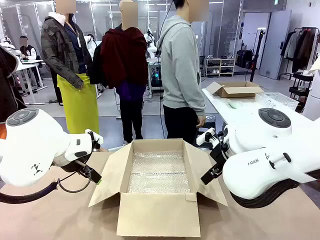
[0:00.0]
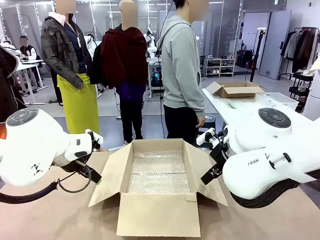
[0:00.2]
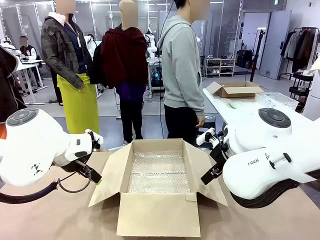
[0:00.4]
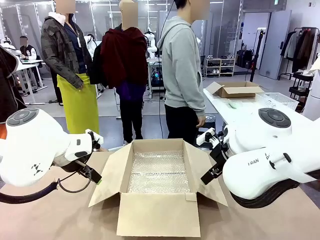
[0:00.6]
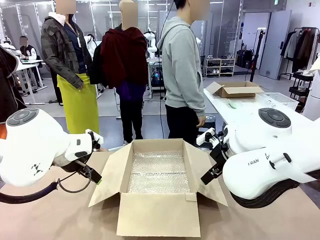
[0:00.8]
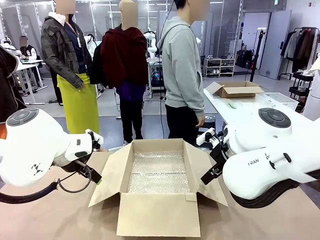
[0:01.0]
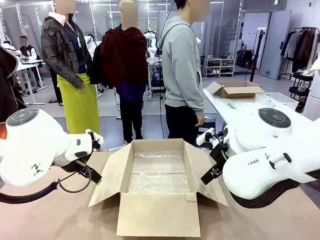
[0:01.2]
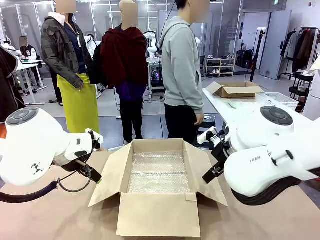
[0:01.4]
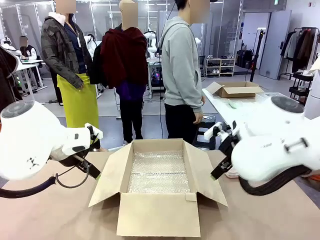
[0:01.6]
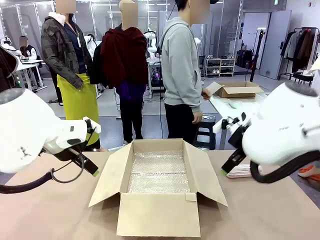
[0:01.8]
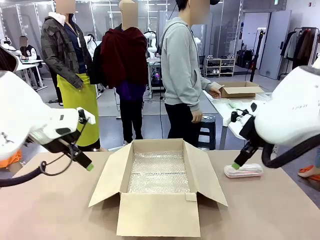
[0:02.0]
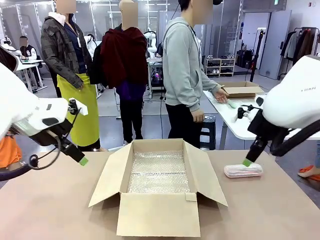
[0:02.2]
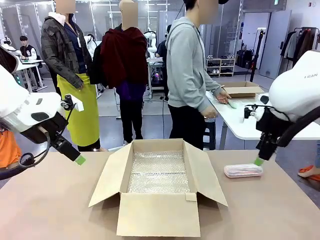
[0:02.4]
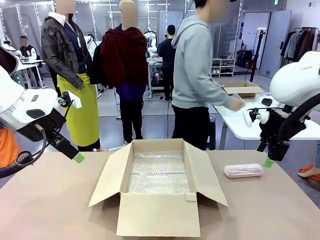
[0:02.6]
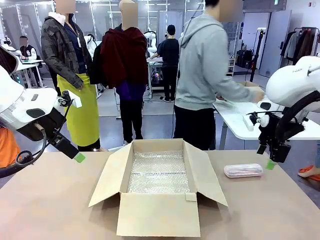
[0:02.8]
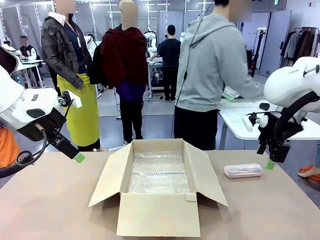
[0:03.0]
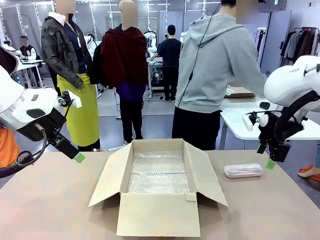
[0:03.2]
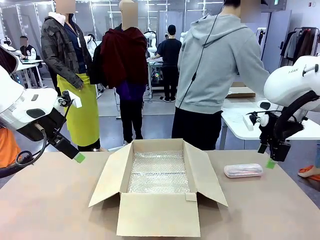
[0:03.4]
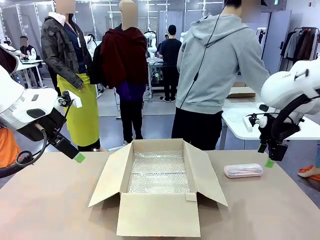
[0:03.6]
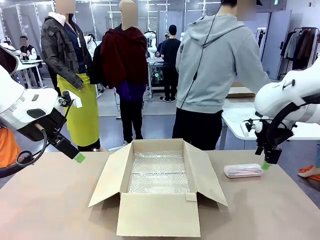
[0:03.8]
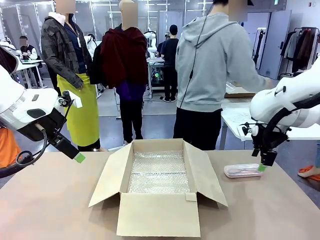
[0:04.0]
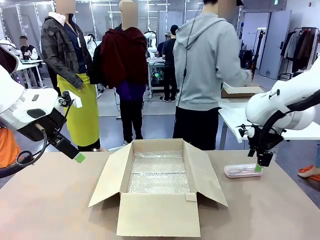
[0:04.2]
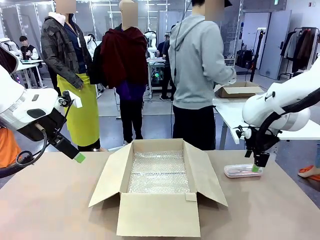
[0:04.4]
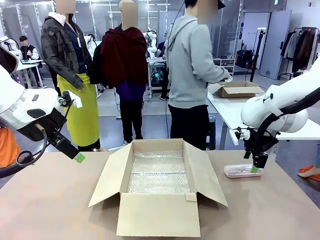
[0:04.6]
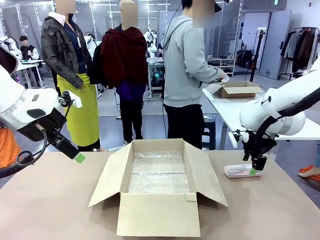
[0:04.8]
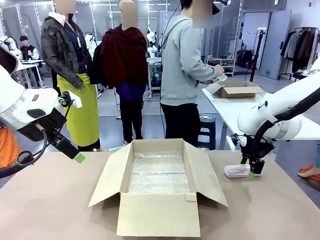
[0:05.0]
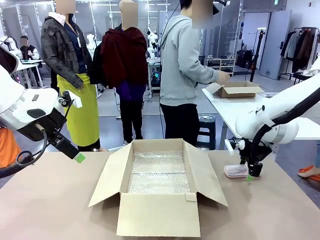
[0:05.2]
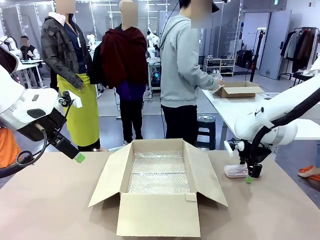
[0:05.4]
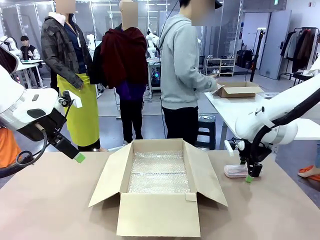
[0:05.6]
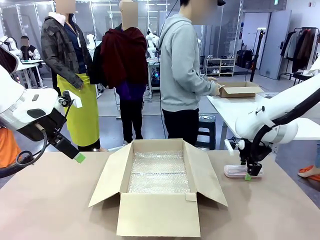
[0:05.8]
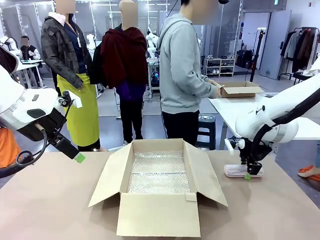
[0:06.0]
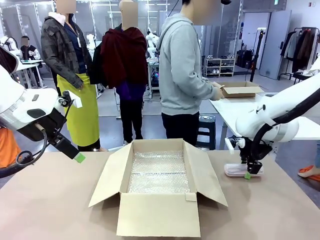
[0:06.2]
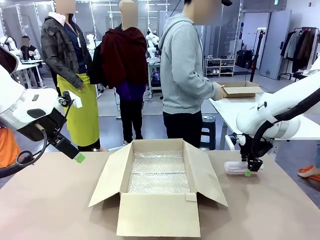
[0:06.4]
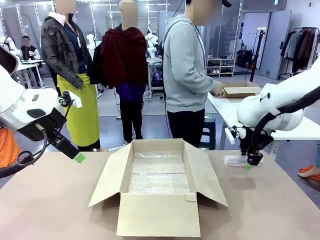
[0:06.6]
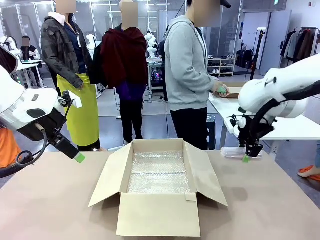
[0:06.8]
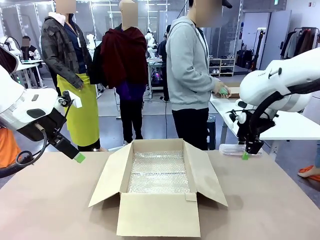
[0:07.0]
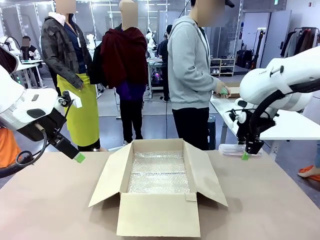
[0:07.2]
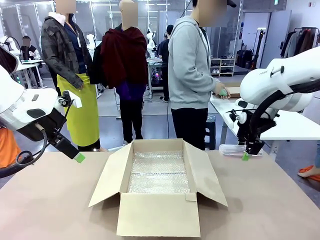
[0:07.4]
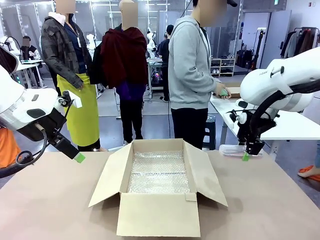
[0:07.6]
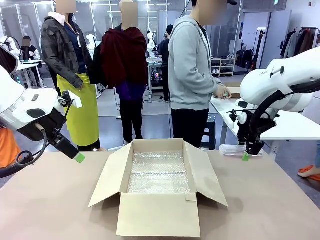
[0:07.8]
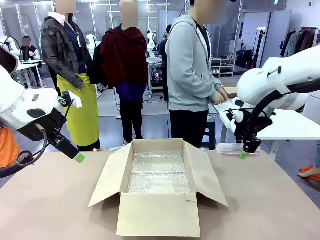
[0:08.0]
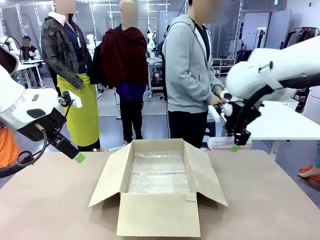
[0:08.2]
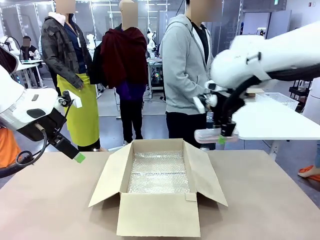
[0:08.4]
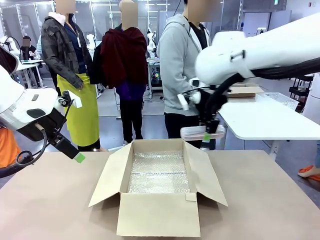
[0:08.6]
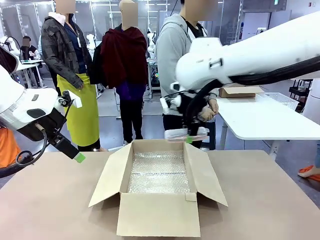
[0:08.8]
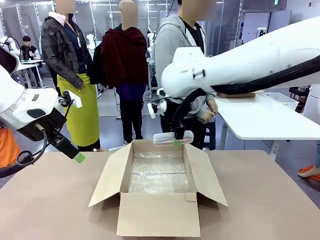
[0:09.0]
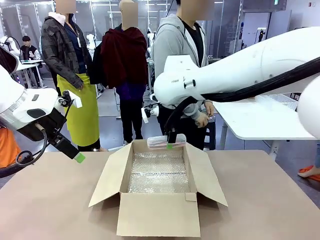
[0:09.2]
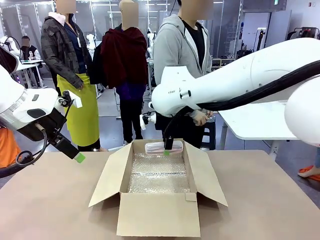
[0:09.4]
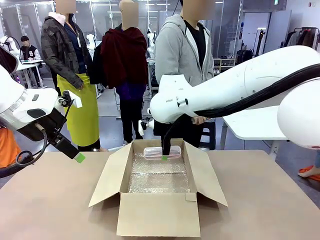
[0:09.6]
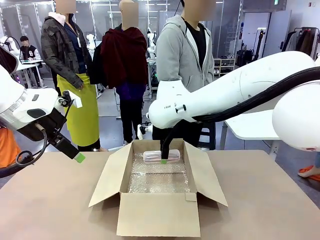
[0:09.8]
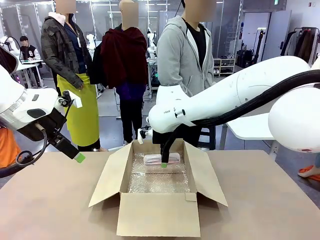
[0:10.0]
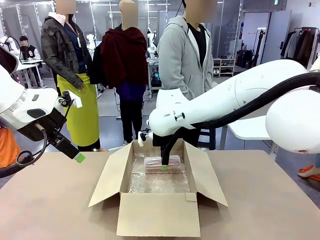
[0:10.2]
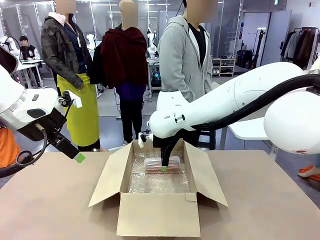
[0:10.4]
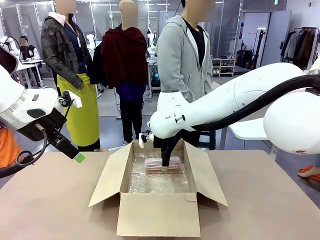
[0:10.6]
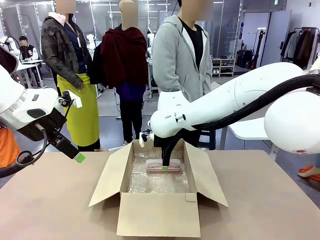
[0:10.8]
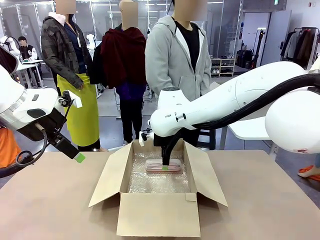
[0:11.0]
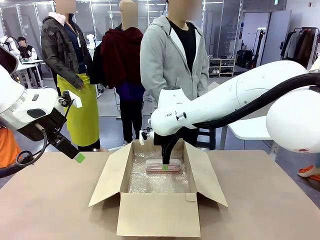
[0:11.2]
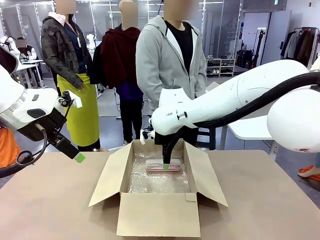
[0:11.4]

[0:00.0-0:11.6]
Task: Pack the glasses set securely to prepare it for shipping.
Robot: Place the Glasses case inside the Package Box.
Person: Place the Glasses inside the Glasses case.

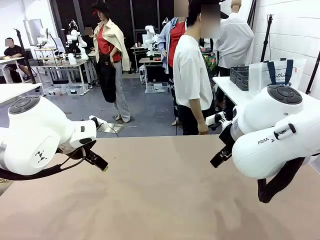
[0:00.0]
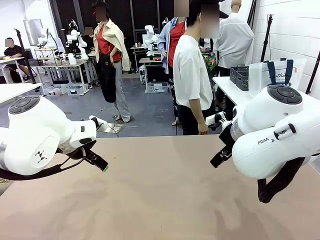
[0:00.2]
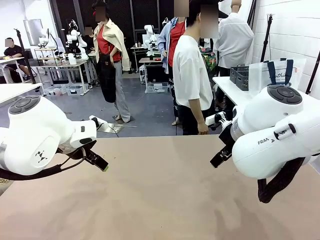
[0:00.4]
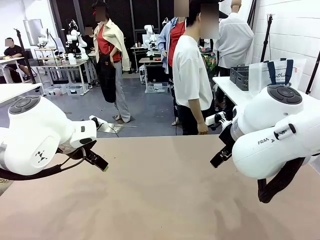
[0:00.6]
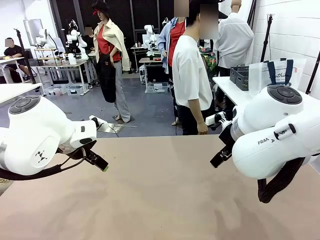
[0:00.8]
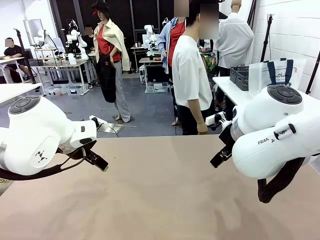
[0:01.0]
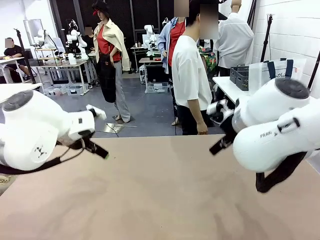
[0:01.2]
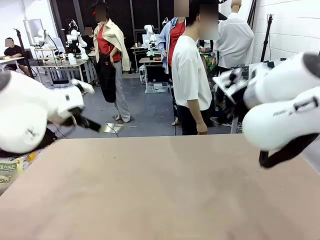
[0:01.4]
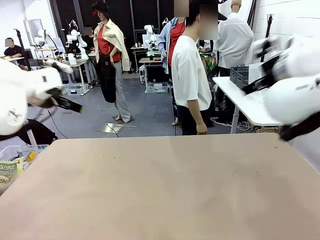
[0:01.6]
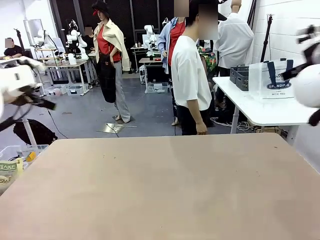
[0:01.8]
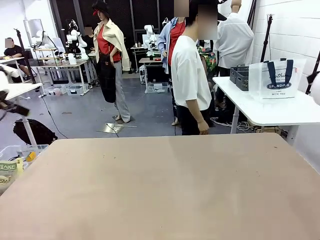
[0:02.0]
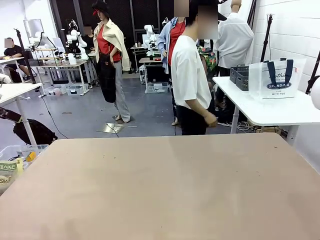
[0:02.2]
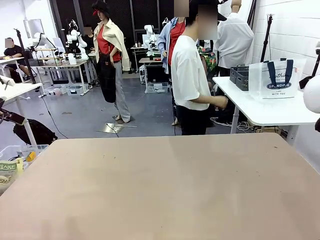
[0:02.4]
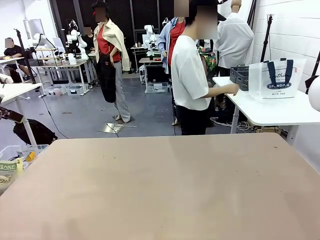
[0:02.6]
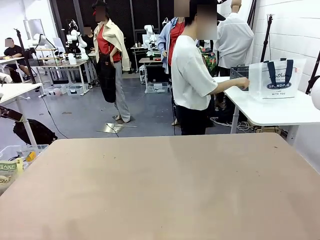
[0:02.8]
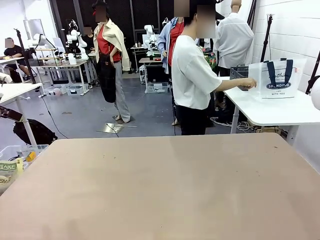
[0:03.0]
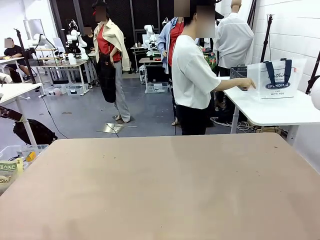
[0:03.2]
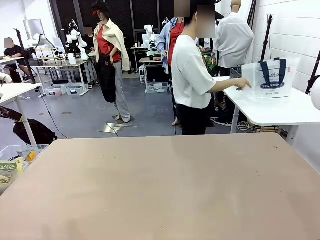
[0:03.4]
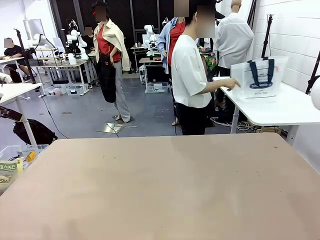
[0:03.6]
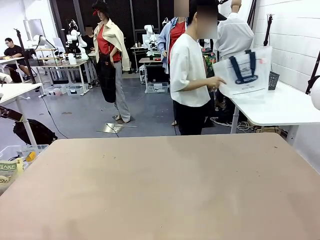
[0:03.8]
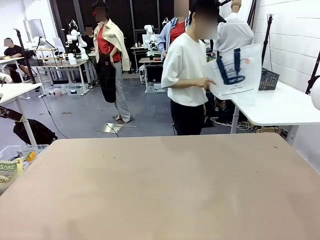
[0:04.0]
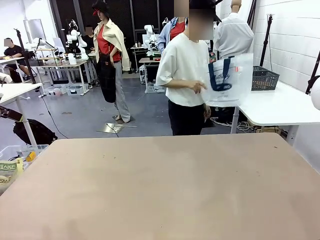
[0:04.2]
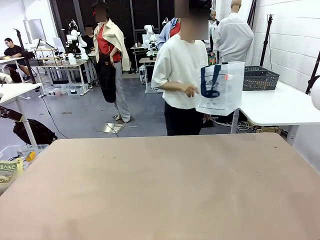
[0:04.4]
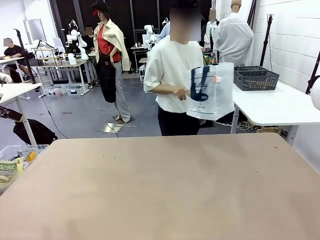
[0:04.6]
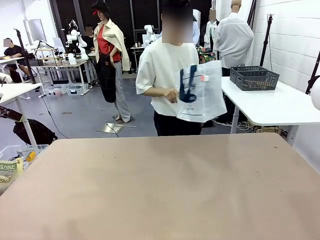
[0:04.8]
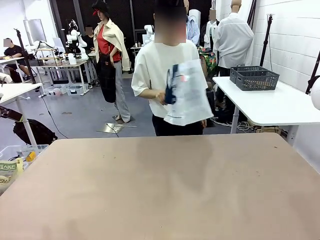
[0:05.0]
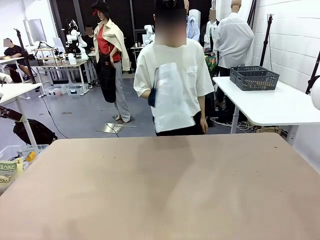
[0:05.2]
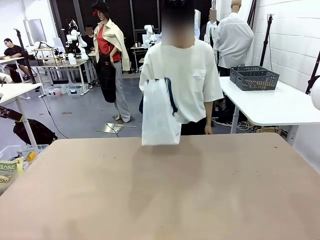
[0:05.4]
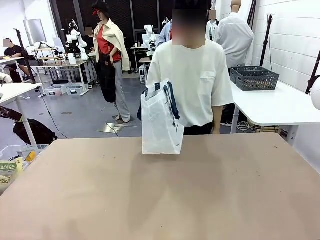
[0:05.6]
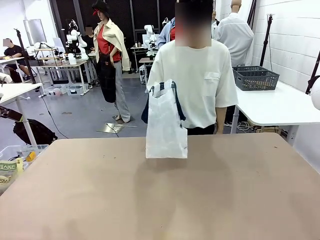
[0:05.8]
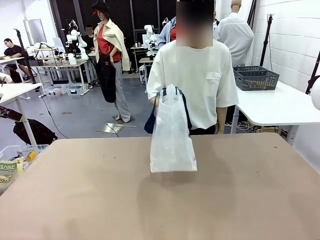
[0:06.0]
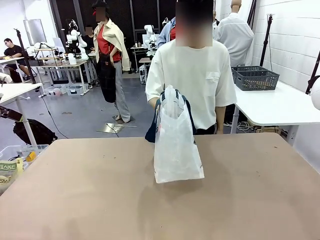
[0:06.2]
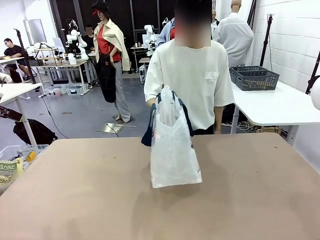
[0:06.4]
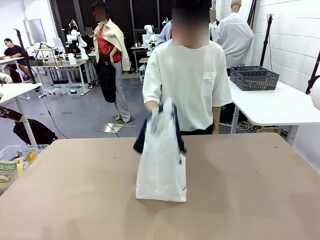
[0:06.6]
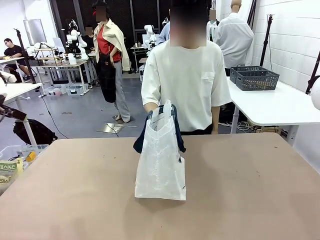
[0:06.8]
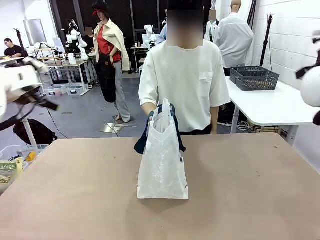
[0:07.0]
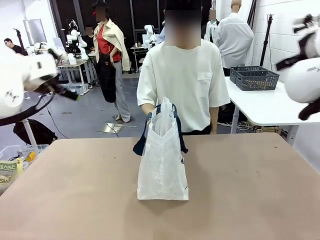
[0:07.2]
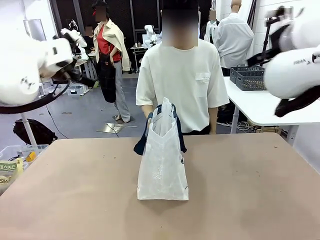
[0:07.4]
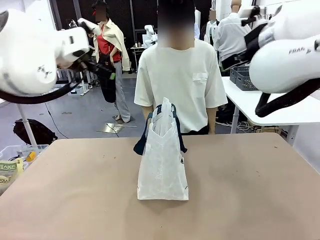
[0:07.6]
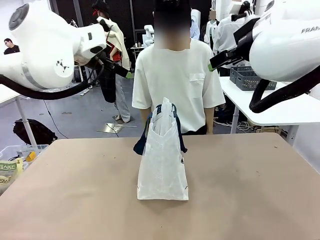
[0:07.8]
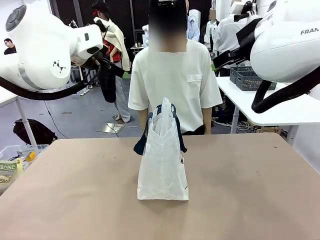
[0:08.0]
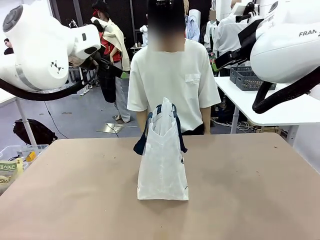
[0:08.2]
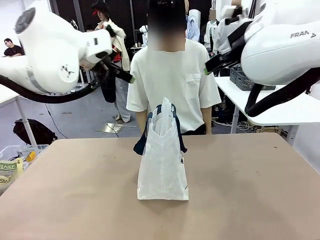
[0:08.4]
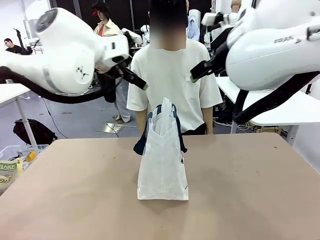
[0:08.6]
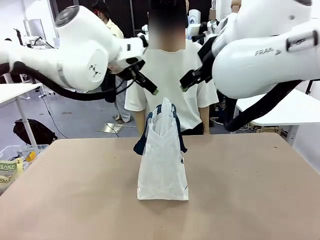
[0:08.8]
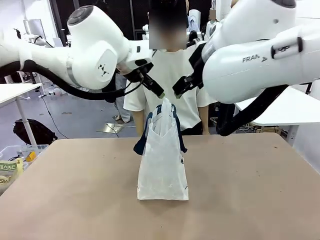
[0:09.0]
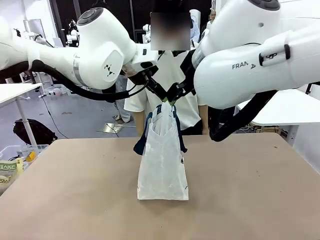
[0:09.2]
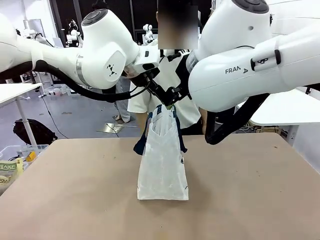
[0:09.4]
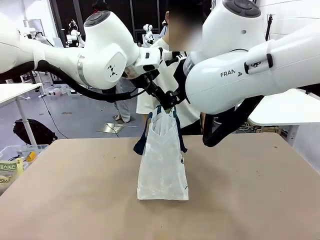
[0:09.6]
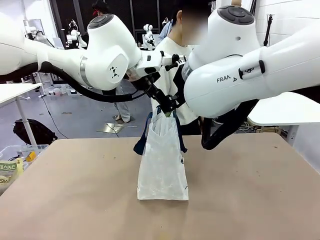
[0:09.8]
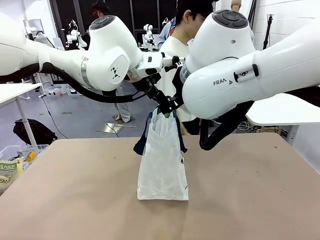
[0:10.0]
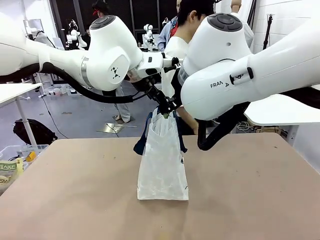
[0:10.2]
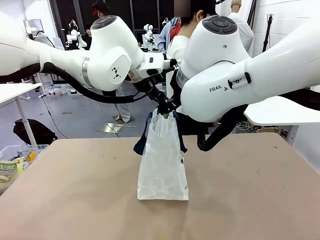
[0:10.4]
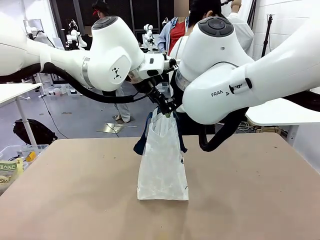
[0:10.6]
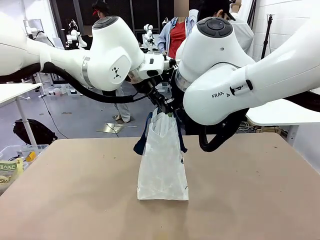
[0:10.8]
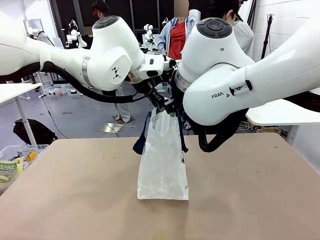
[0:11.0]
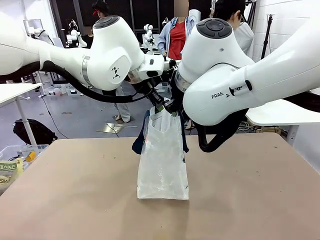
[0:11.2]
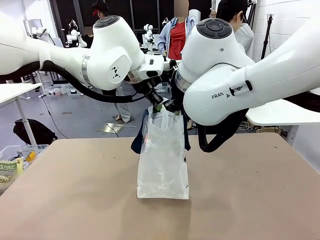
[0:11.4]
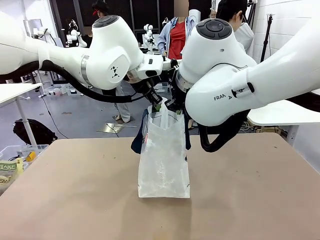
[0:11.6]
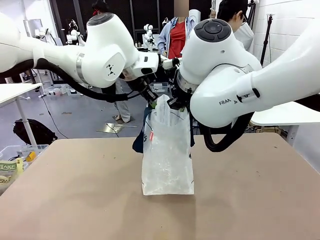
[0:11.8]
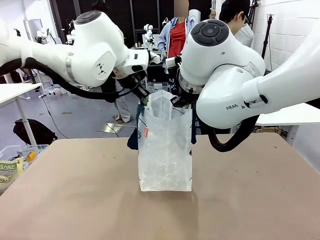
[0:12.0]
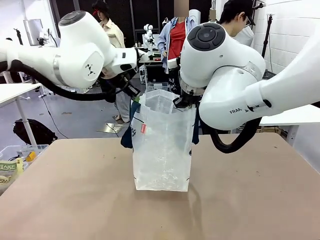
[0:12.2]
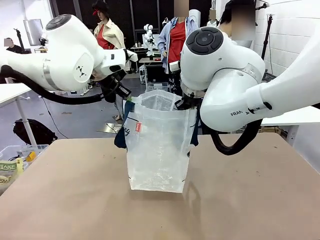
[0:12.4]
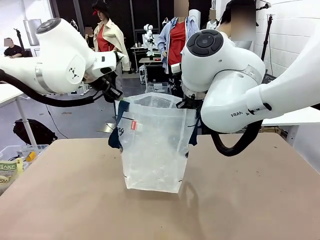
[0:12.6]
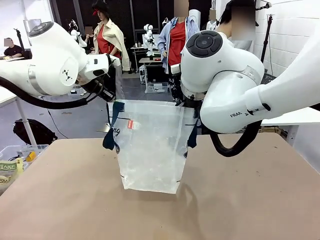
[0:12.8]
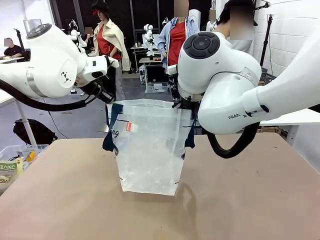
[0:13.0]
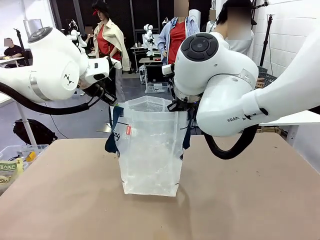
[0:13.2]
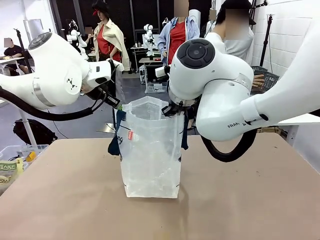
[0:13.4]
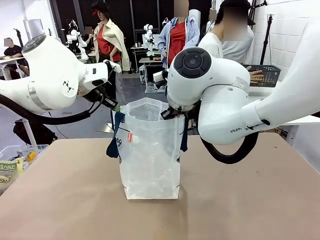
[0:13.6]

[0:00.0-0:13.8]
Task: Transfer purchased items from the store into the shopping bag.
Robot: Open the Reusable shopping bag in the center of the table.
Person: Pick up the shopping bag and place it in the middle of the robot table. Pick up the basket on the right, place it on the left side of the robot table, and move the items in the basket to the shopping bag.
